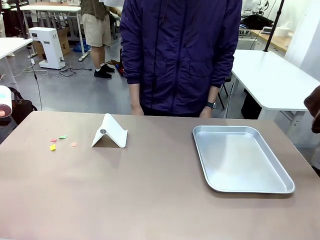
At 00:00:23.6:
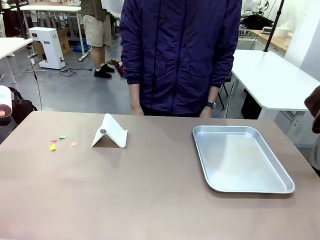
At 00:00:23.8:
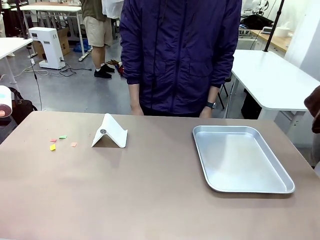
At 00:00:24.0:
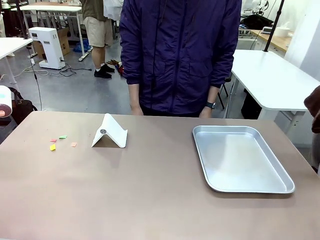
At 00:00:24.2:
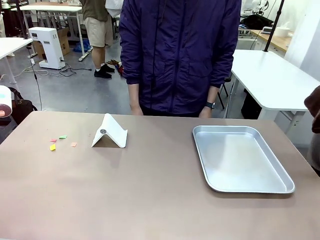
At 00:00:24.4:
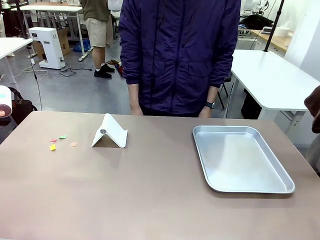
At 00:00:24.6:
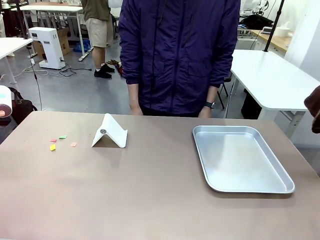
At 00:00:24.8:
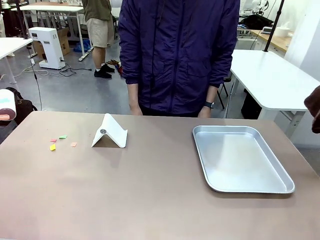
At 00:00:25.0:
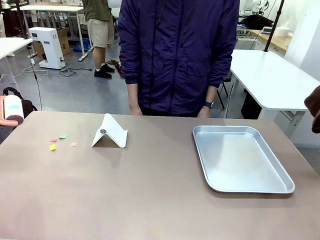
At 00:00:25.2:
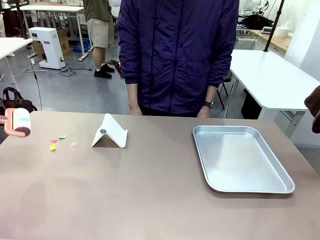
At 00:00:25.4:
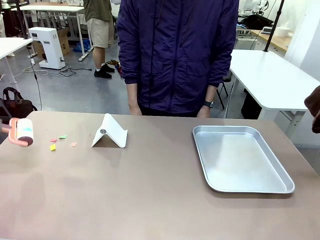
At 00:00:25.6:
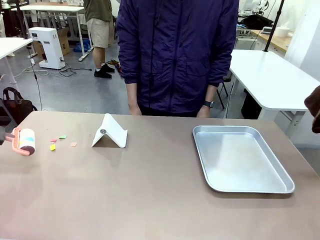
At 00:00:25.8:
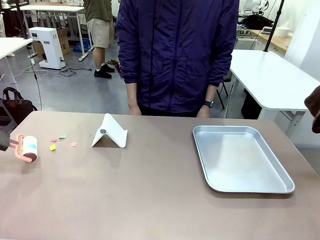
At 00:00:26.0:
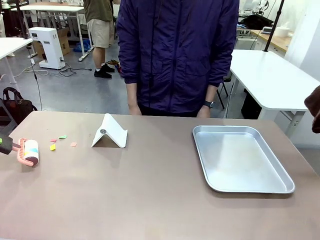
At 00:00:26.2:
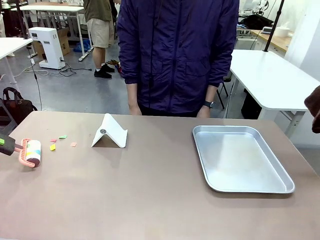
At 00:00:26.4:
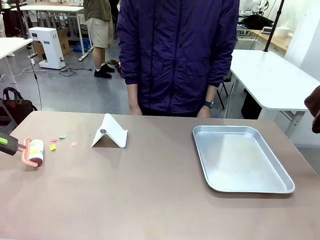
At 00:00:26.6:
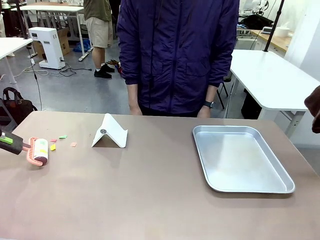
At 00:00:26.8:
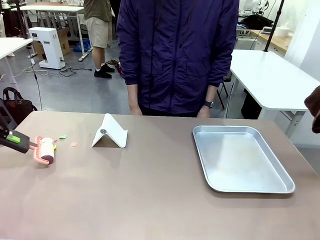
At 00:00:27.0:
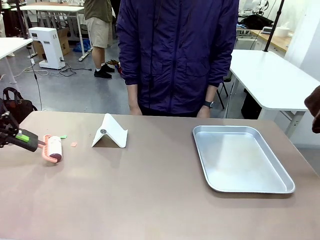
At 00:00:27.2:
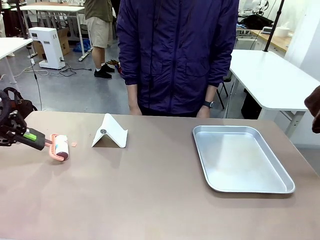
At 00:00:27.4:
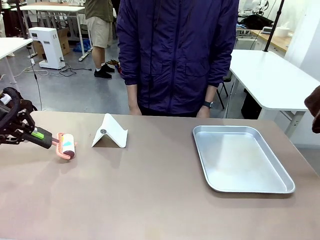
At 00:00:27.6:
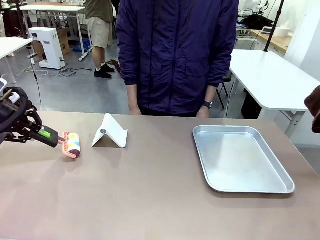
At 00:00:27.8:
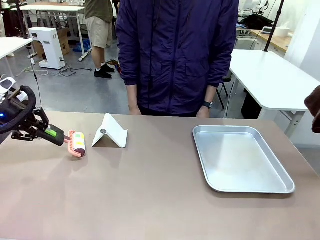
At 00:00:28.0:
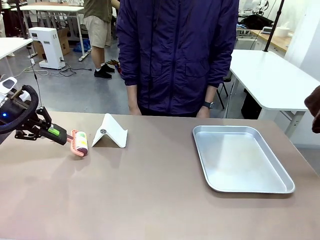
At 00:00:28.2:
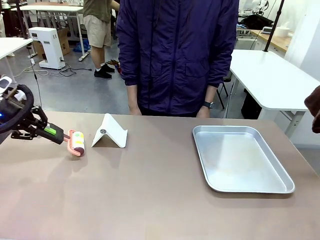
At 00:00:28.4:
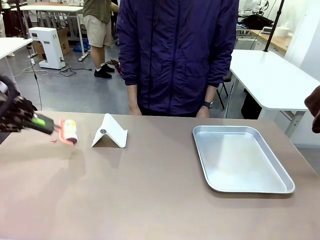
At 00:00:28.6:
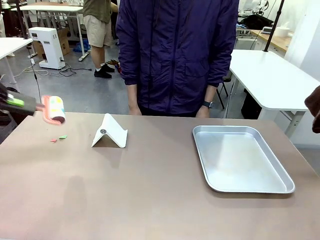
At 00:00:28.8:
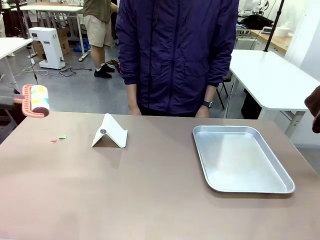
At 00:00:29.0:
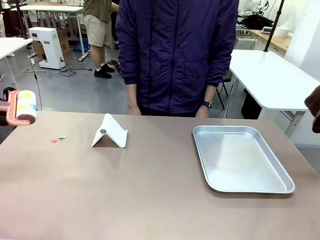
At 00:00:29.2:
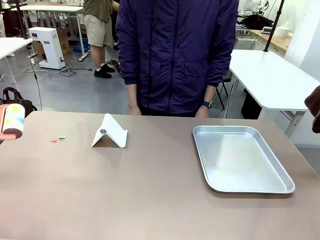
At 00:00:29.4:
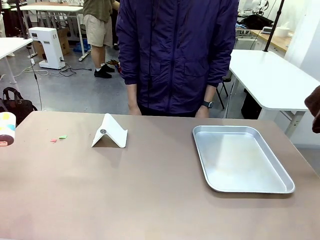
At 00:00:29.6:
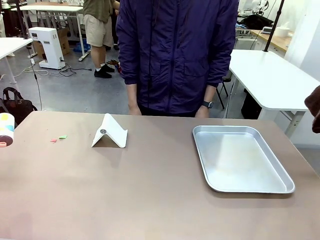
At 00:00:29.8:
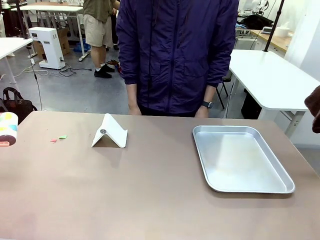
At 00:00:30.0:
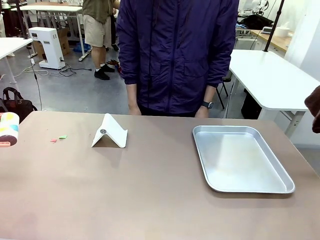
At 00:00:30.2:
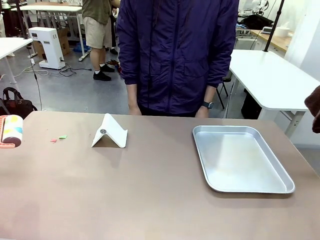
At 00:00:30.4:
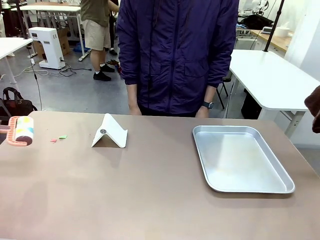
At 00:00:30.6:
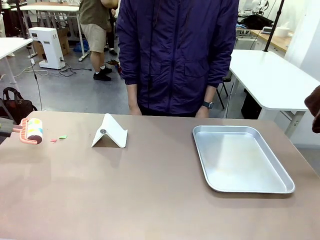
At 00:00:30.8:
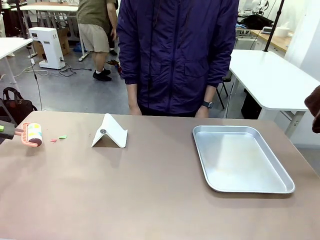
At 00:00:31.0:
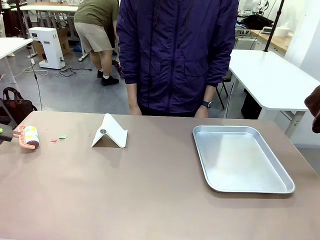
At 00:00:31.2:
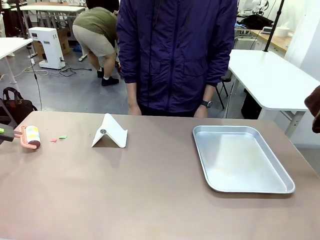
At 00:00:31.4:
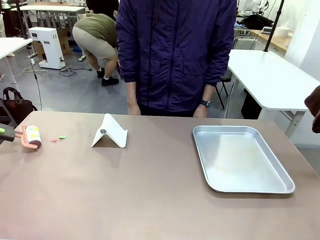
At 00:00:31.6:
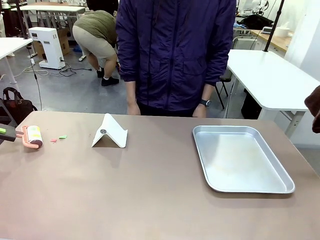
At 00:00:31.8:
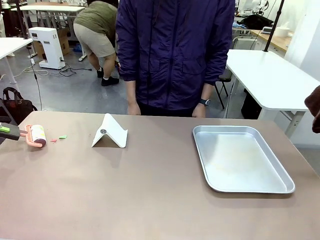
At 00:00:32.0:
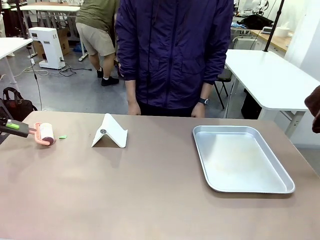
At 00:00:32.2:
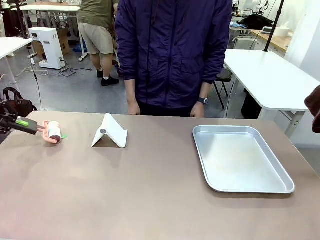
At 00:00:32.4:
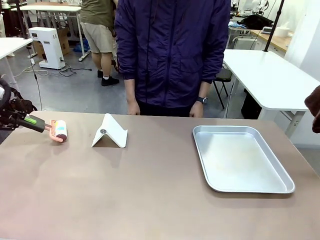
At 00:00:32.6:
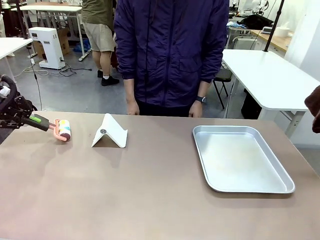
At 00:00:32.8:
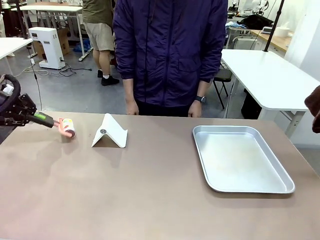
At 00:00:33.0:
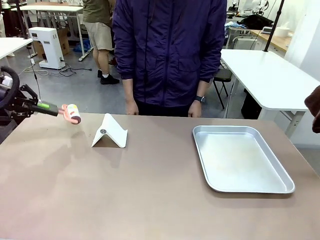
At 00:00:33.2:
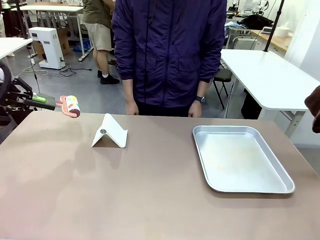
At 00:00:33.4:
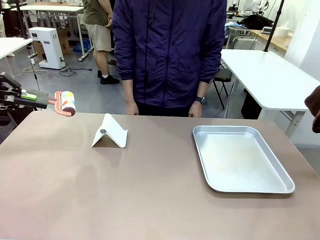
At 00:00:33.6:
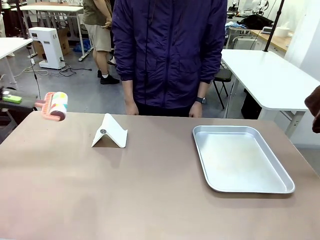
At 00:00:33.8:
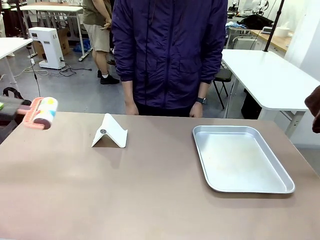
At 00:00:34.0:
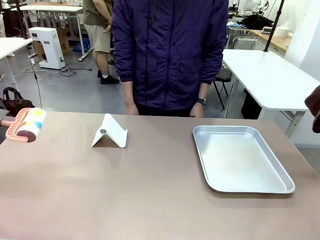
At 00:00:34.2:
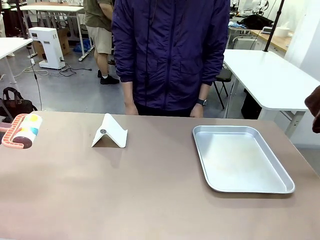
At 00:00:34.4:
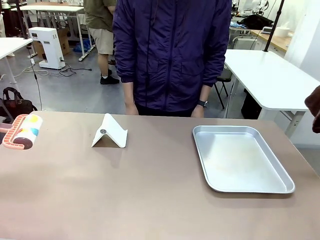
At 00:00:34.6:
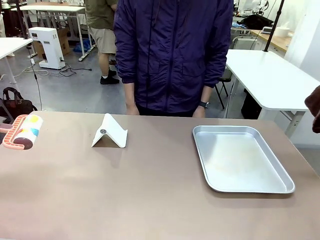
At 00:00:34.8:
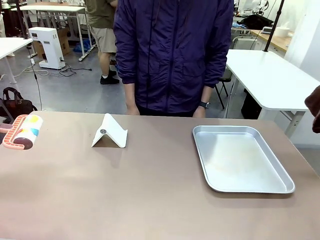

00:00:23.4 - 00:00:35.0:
Task: Clean the surface of the table.
Robot: Clean the area not pointed to by the person.

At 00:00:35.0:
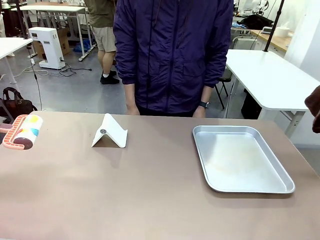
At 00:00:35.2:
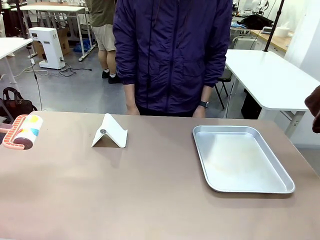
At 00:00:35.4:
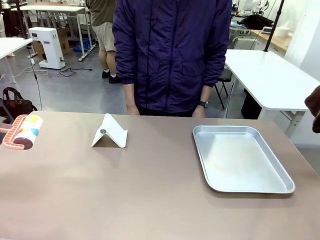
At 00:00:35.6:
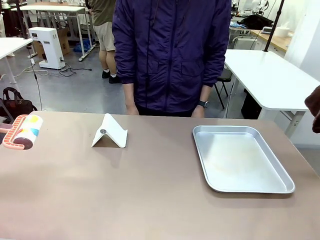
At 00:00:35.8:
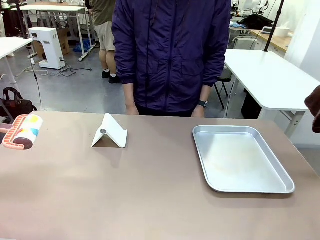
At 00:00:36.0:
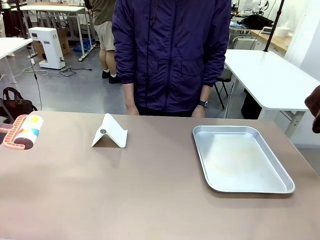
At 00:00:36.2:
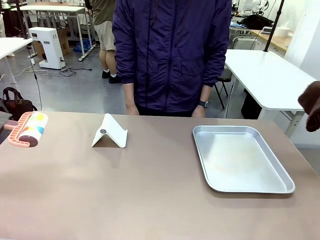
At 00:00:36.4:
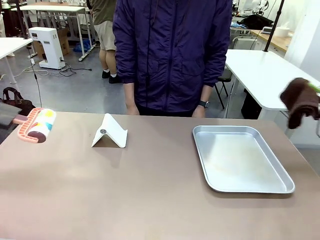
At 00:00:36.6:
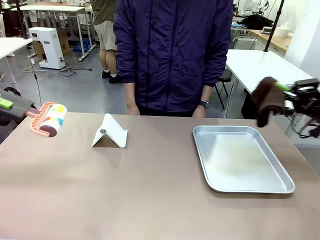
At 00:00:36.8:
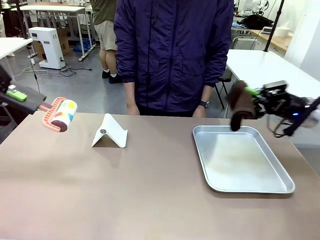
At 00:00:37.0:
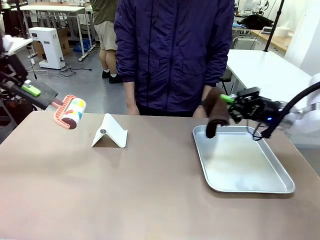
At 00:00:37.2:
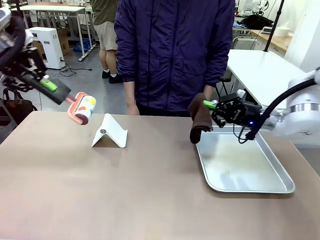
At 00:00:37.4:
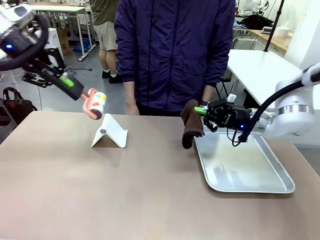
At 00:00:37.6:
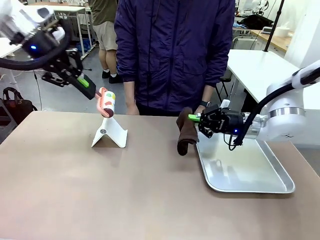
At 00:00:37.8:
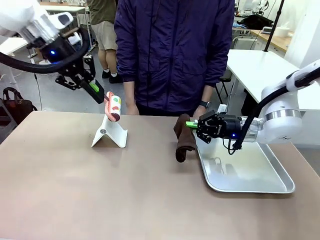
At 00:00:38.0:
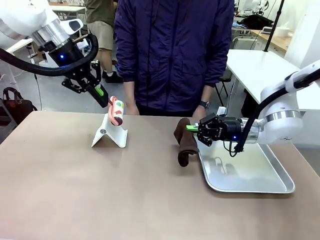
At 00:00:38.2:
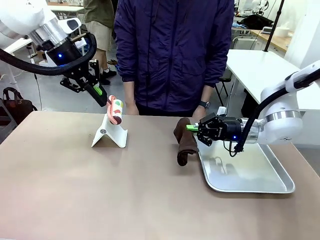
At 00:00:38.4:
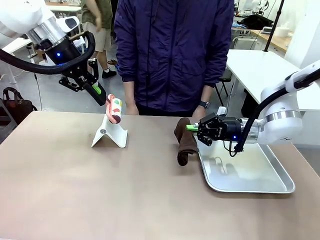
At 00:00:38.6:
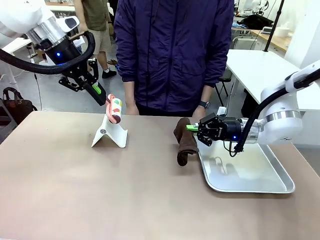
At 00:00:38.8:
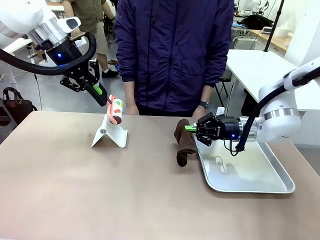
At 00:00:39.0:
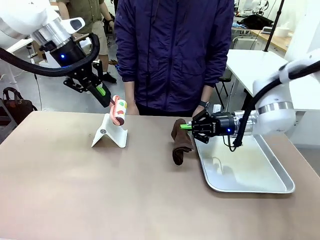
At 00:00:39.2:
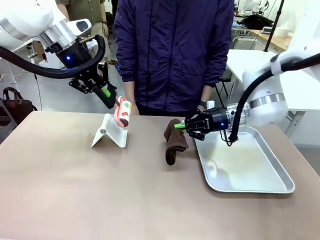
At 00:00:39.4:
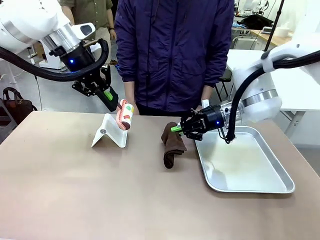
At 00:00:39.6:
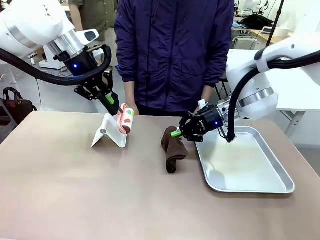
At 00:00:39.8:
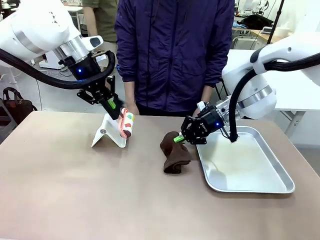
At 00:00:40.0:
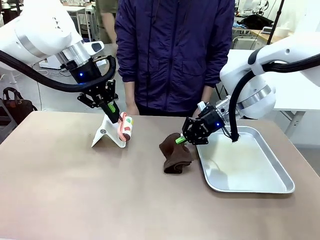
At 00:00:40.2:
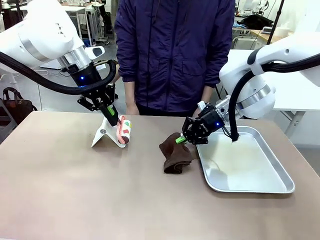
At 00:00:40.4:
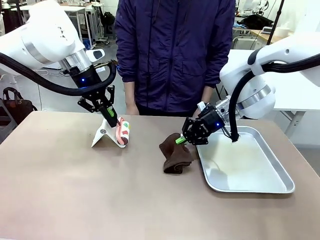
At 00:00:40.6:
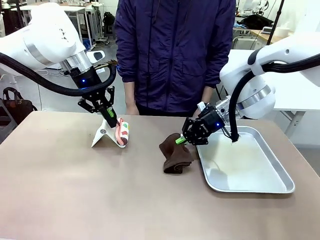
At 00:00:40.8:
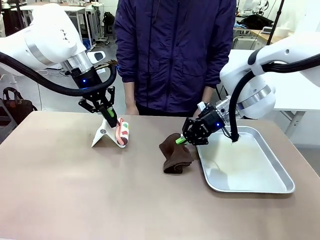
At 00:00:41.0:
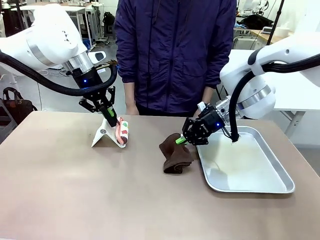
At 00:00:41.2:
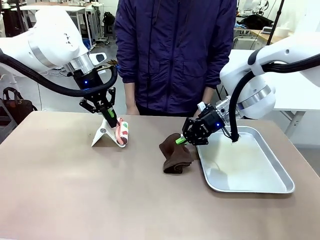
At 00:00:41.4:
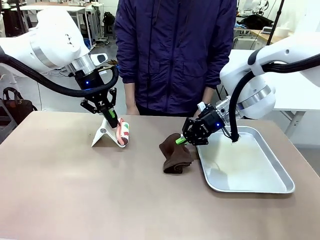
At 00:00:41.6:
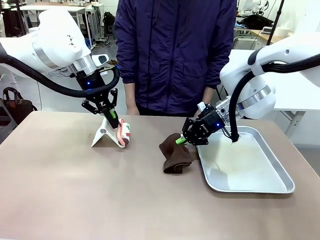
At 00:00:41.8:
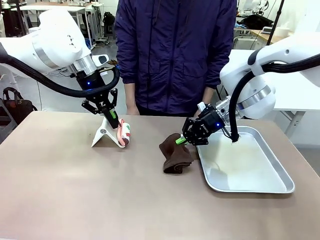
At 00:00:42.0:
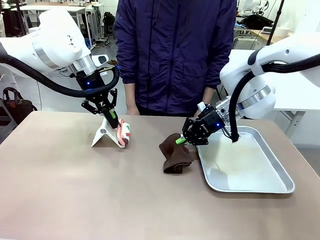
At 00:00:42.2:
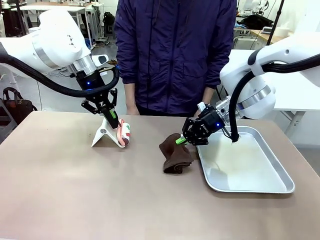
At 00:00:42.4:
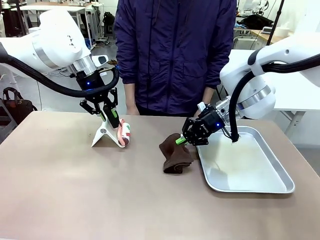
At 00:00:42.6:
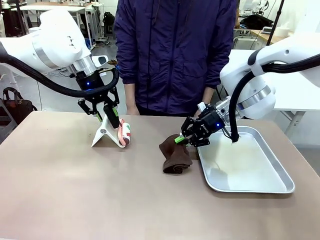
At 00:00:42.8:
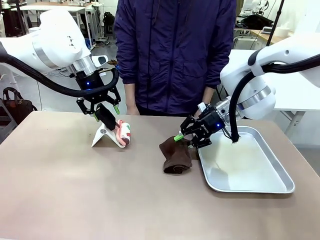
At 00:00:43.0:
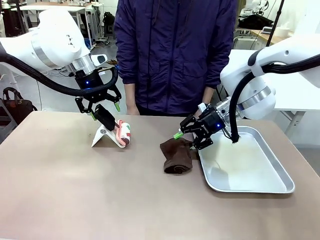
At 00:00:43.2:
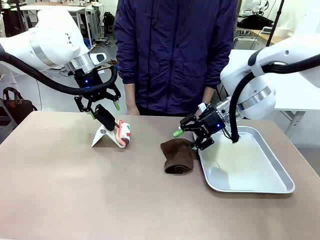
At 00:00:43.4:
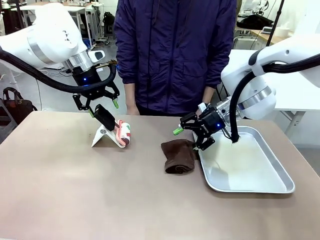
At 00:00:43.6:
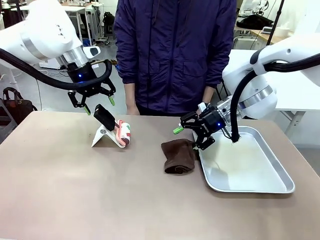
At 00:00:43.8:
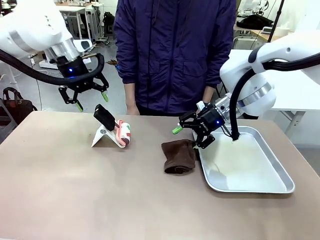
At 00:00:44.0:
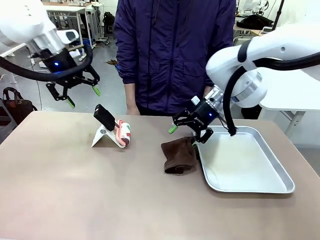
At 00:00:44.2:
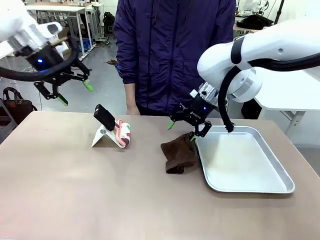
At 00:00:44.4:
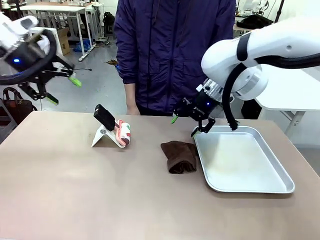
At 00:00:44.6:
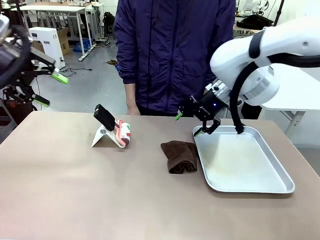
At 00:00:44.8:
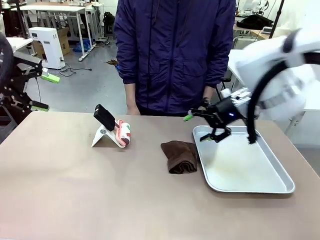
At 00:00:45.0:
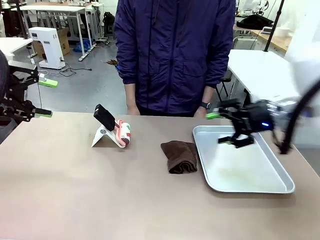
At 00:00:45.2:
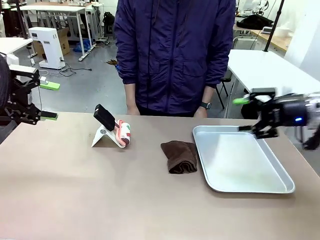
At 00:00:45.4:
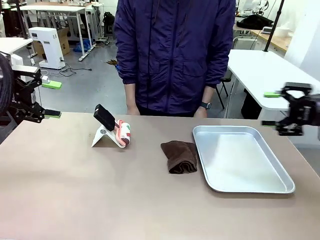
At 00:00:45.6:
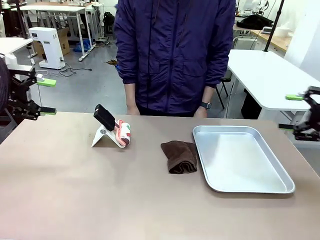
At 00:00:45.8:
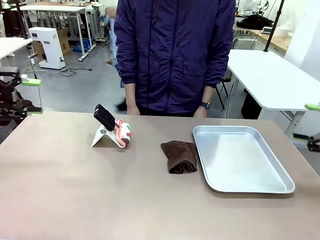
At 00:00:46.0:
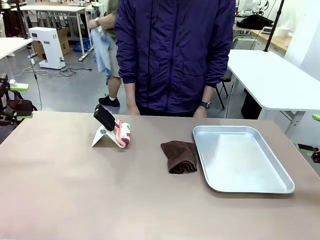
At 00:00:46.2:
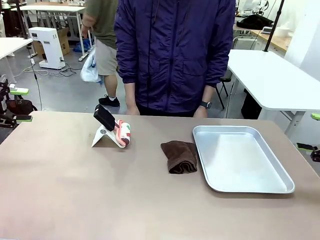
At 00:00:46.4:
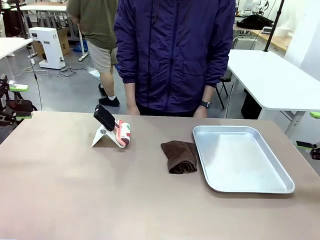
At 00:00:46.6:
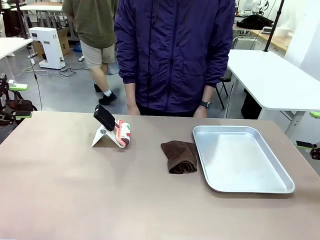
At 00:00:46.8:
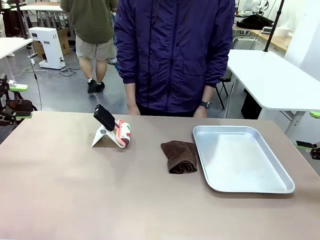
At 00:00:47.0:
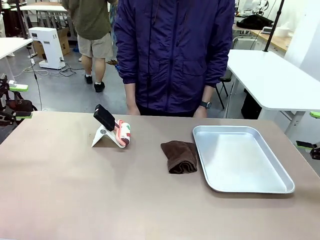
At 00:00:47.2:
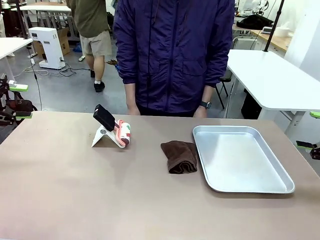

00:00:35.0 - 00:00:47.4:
Robot: Return the Lint Roller and towel to their original positions.
